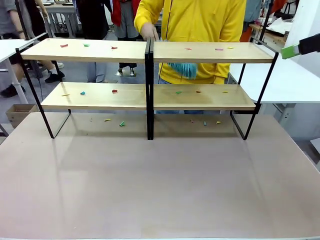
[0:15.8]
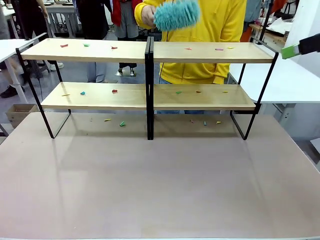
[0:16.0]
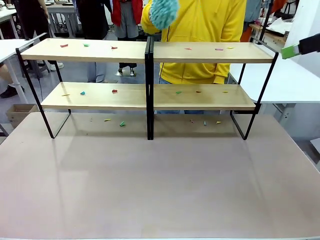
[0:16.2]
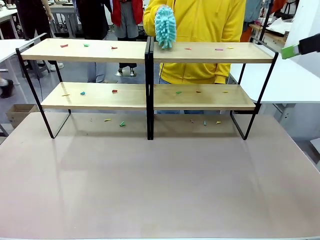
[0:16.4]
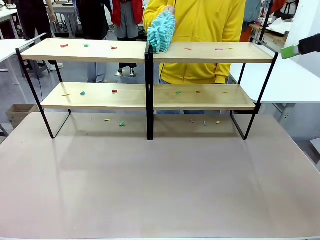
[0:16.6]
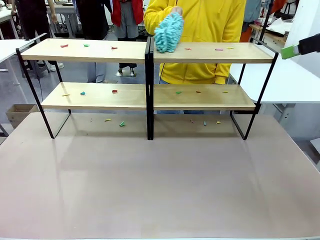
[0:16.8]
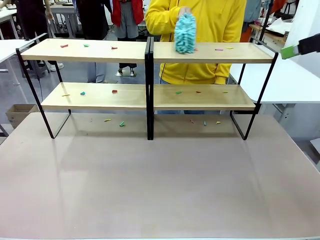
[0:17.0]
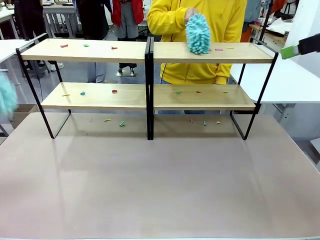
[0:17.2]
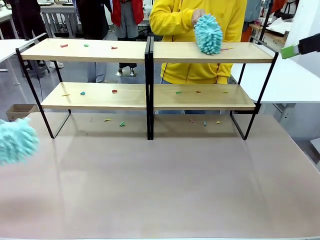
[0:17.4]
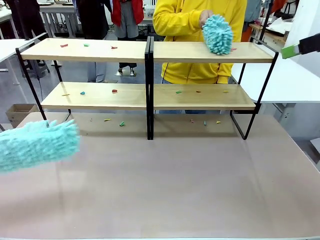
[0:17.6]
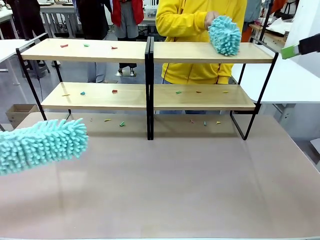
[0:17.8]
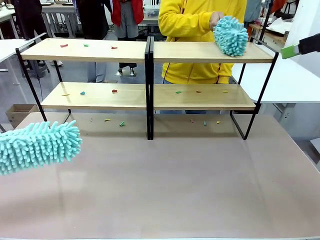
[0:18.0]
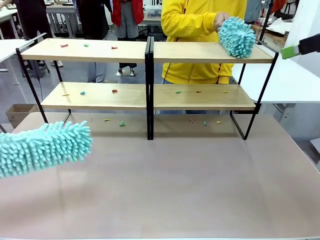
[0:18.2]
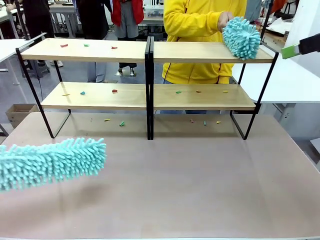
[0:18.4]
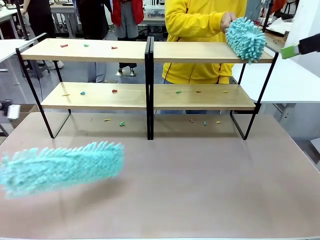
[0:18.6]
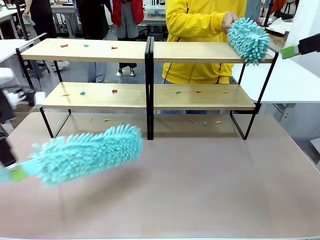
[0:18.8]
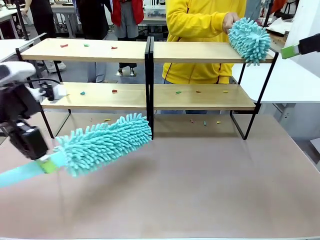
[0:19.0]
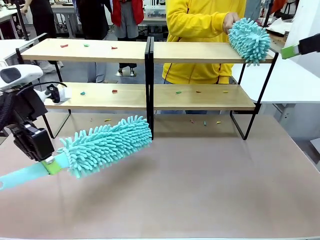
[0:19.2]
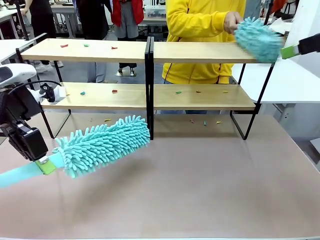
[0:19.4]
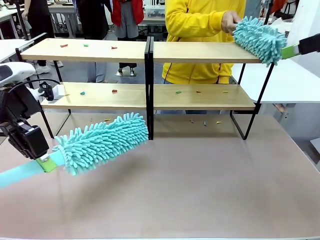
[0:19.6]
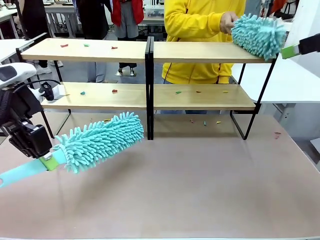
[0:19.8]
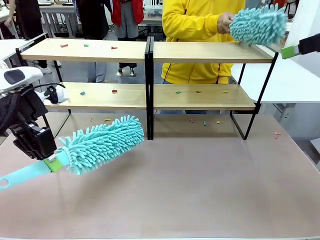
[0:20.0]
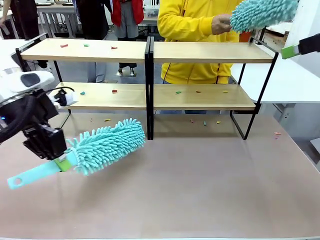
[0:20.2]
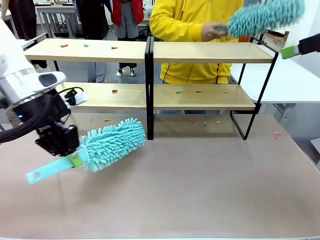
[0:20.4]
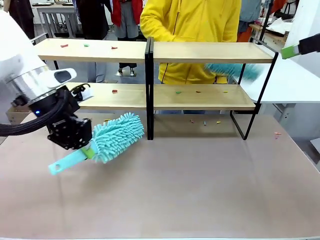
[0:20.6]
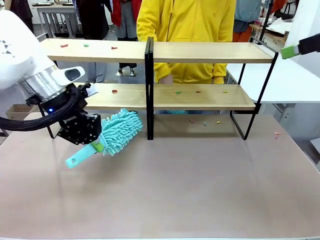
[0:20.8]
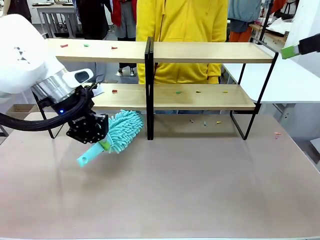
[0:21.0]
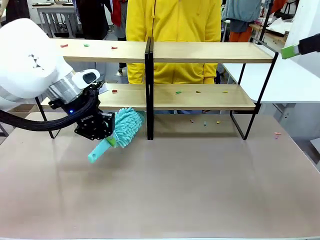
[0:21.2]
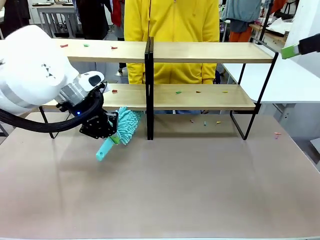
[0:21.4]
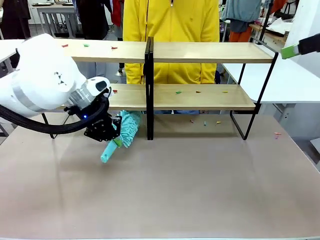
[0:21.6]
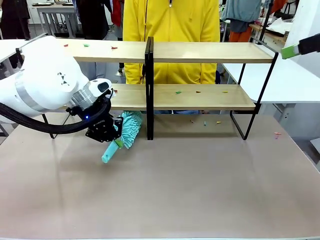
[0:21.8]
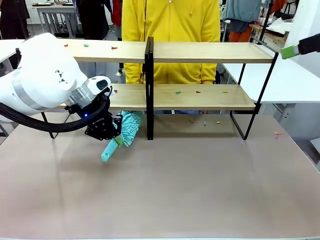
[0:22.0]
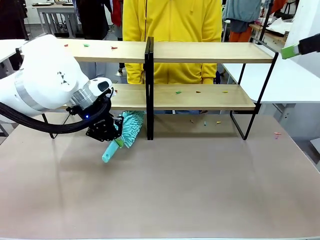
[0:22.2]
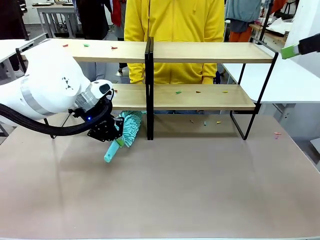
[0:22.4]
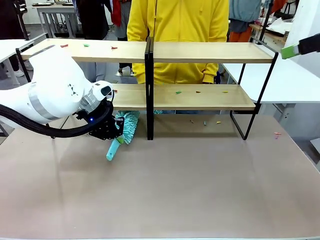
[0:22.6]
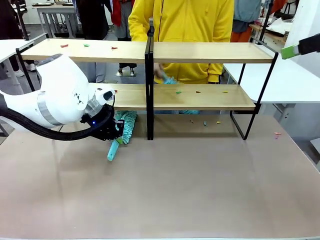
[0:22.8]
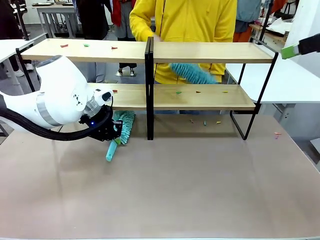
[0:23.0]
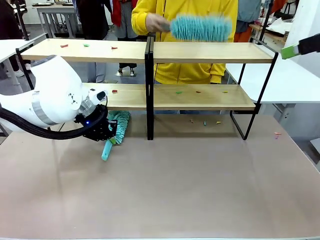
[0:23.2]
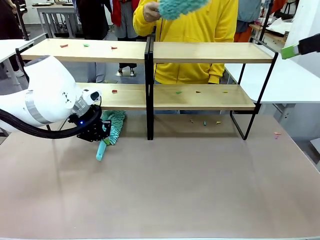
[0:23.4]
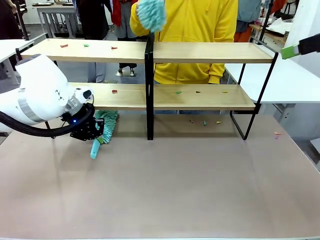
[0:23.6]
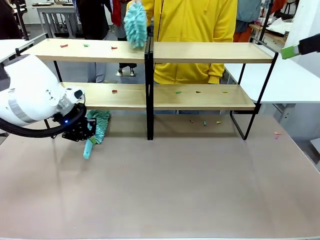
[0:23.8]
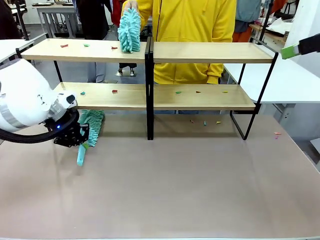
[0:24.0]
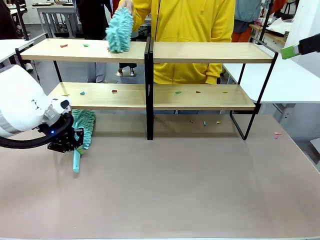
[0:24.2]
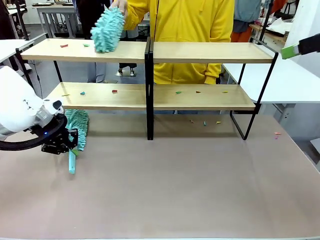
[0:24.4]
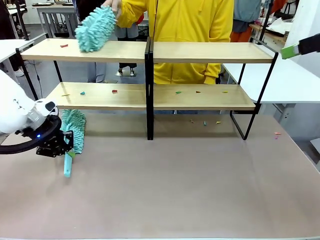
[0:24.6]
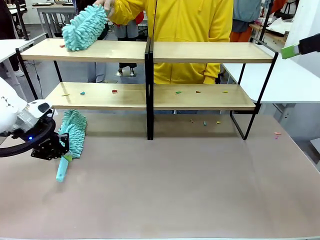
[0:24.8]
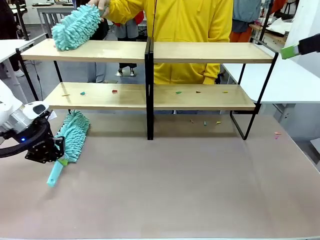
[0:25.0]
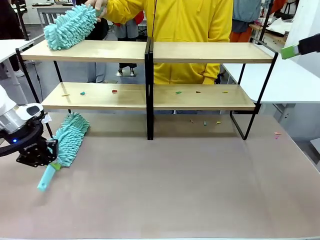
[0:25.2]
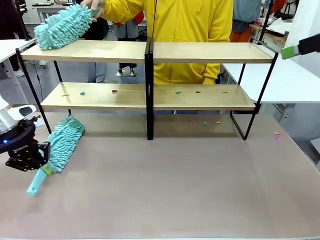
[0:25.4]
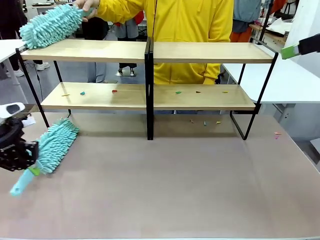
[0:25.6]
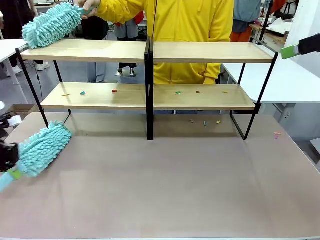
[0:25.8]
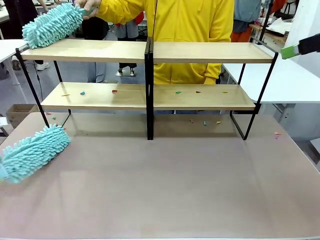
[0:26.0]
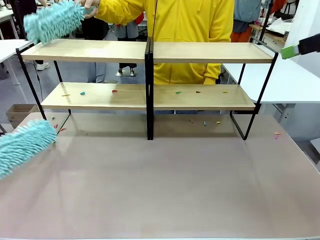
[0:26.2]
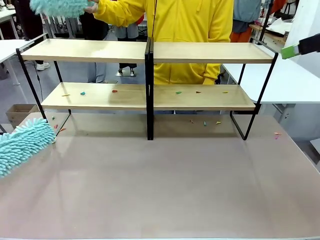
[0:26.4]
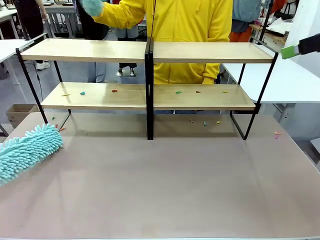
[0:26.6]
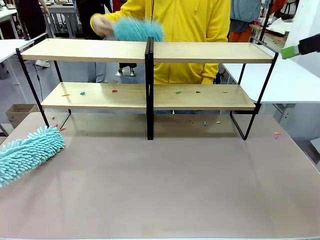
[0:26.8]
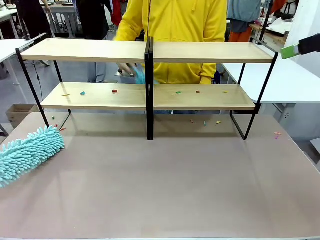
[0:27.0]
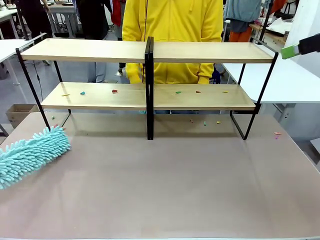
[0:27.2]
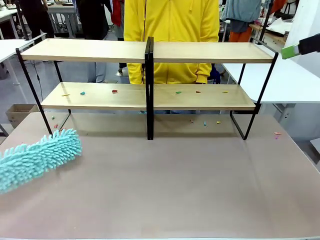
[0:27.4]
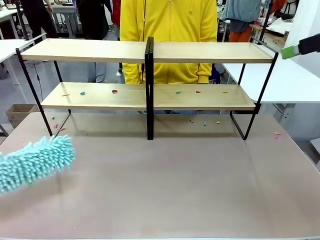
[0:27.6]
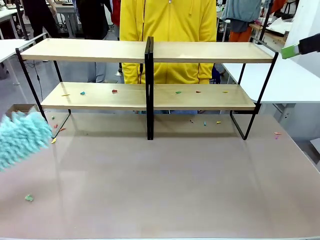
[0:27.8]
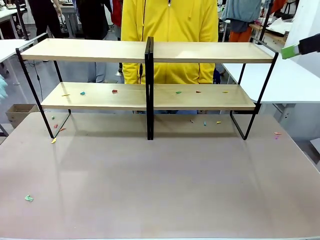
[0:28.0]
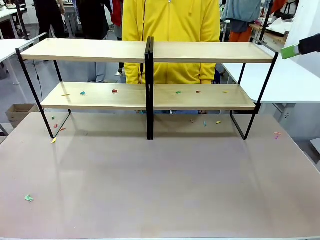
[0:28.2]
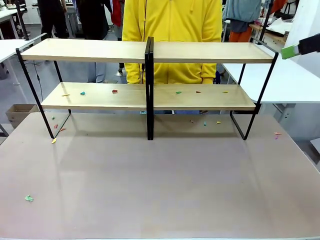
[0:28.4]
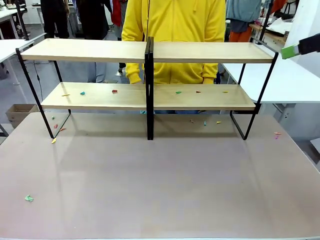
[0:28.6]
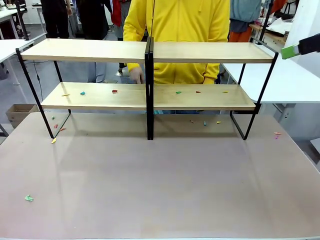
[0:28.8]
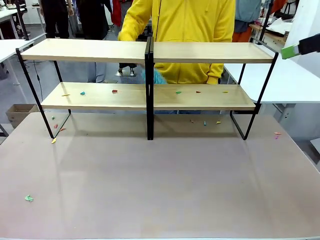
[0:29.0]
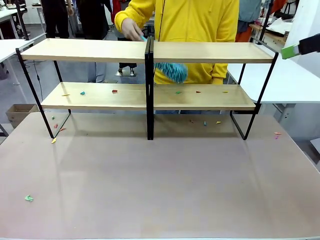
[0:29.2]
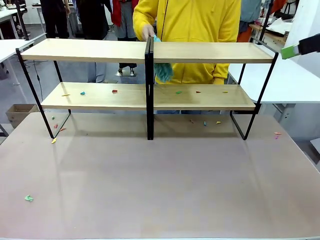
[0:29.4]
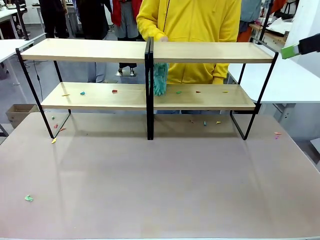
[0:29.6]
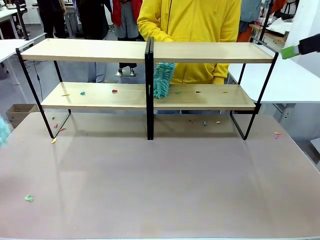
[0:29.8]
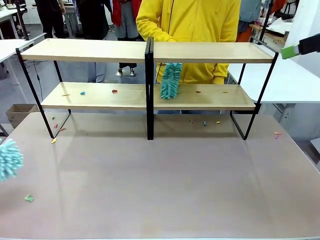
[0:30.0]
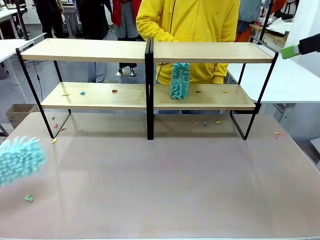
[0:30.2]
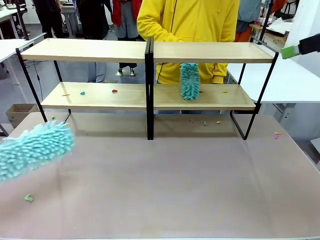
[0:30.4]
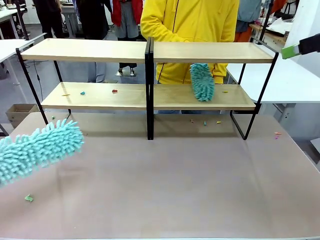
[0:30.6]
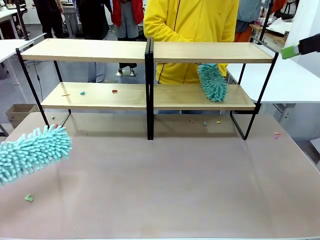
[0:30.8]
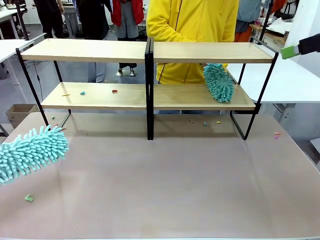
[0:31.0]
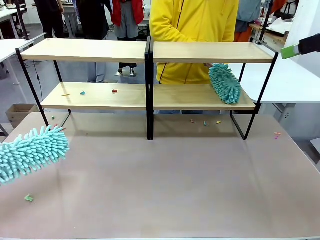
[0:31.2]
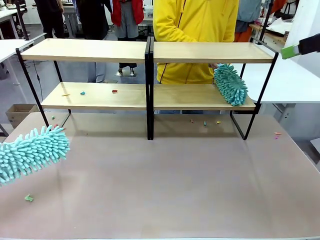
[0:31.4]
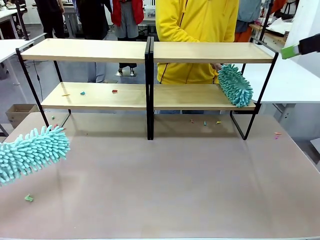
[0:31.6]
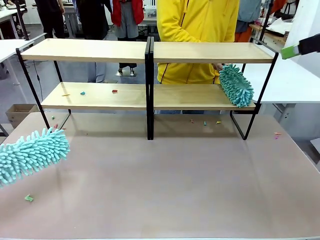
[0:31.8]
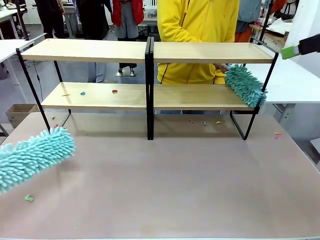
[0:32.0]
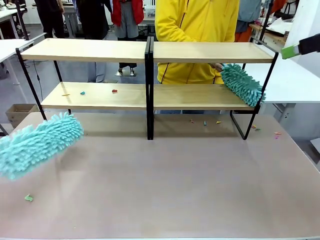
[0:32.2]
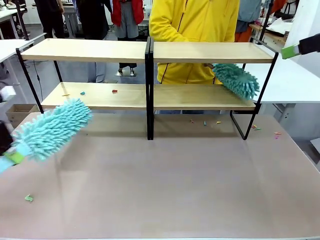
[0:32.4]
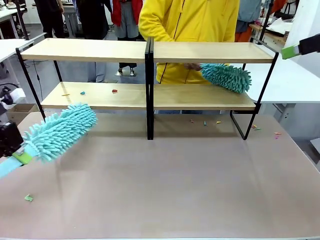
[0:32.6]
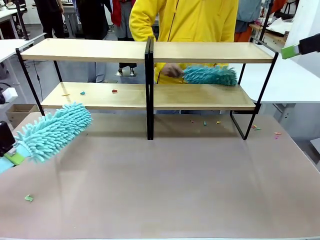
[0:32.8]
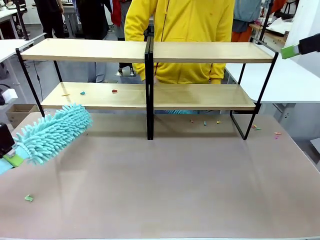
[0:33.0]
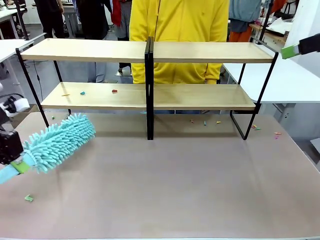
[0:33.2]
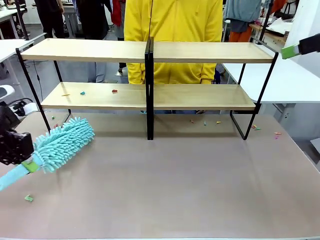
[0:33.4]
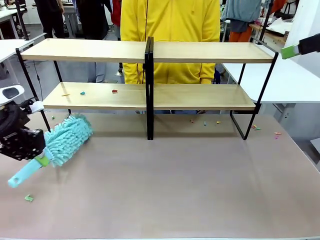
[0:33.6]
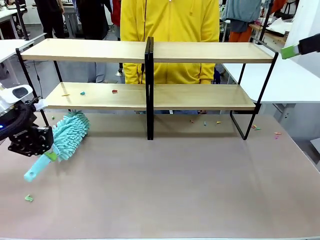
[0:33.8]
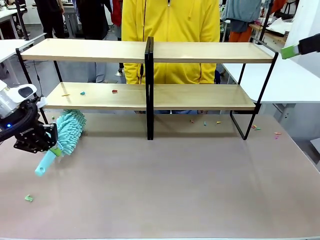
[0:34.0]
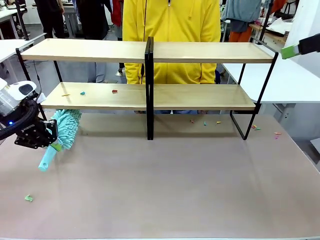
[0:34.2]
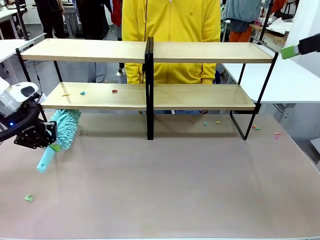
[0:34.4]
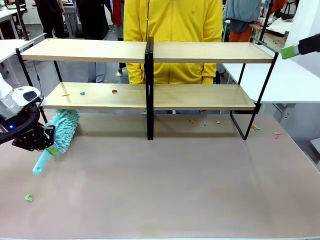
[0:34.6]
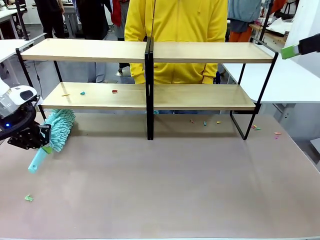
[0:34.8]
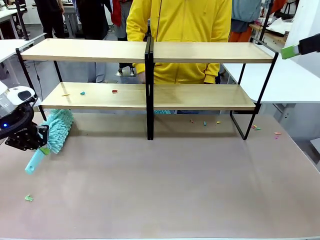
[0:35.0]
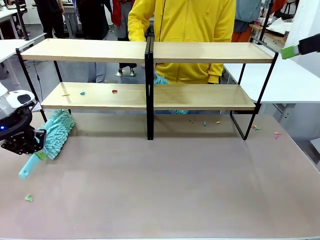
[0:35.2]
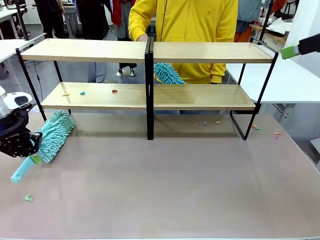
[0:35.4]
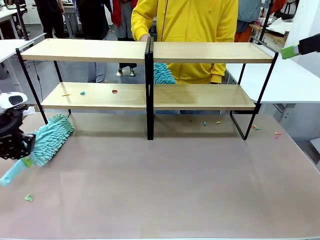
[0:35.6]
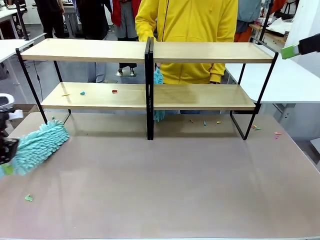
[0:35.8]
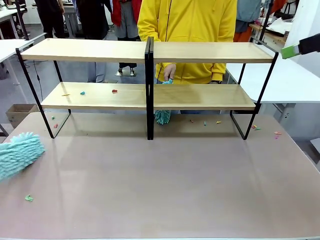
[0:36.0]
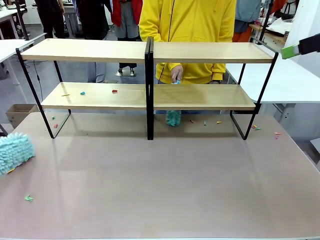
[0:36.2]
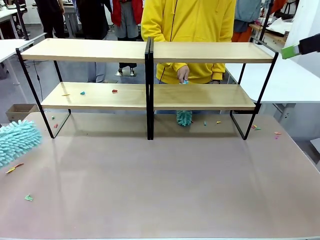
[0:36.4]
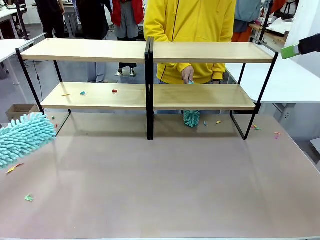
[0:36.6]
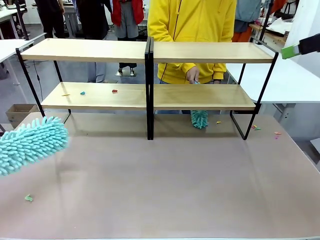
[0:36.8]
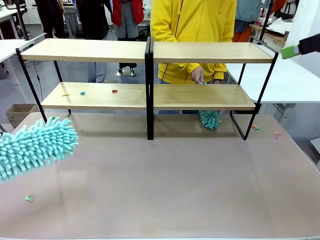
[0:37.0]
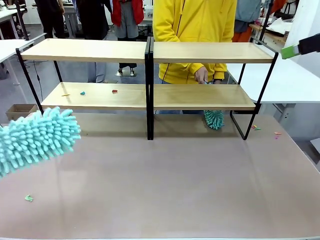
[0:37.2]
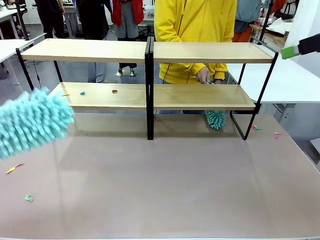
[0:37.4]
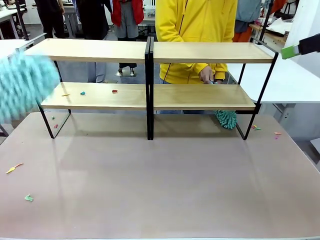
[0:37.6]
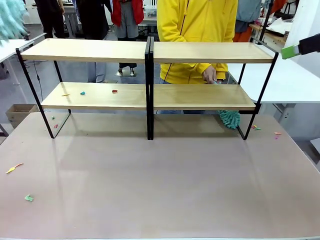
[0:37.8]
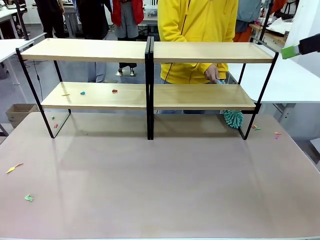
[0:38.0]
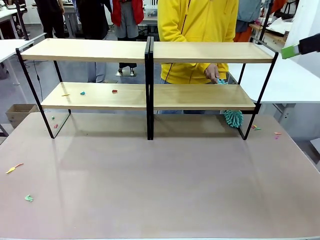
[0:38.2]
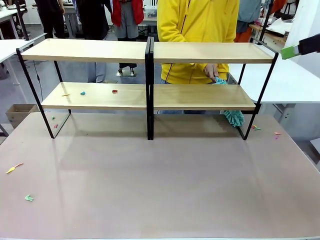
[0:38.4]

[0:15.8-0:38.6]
Task: Clean the shelves.
Robot: Clean a randomly selected level of the Shelf with the Duster.
Person: Clean a randomly selected level of the Shelf with the Duster.
